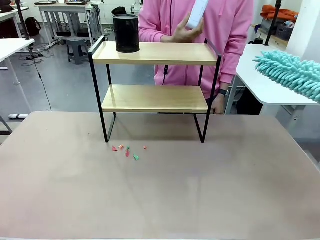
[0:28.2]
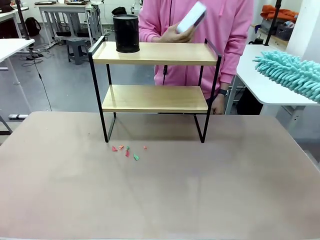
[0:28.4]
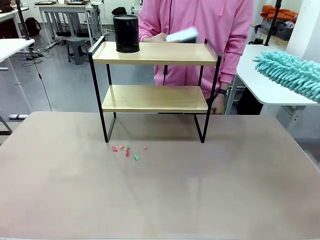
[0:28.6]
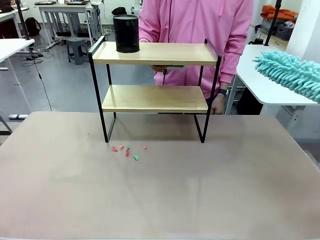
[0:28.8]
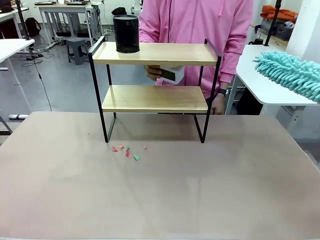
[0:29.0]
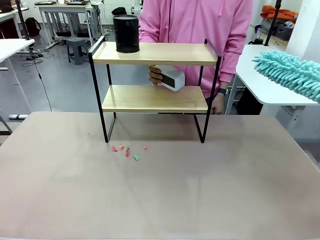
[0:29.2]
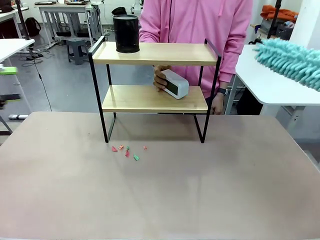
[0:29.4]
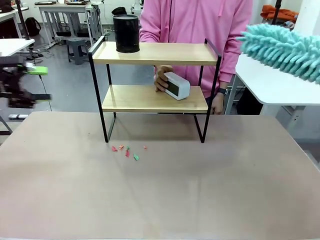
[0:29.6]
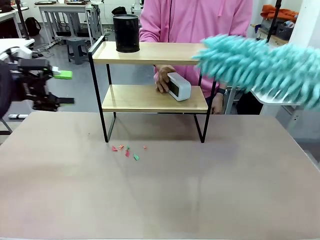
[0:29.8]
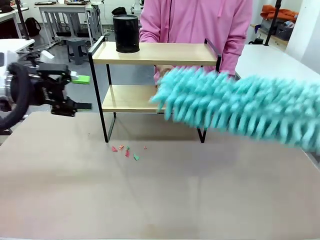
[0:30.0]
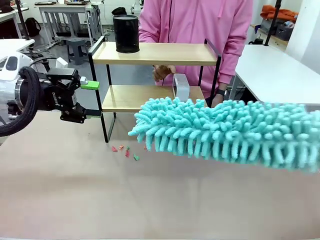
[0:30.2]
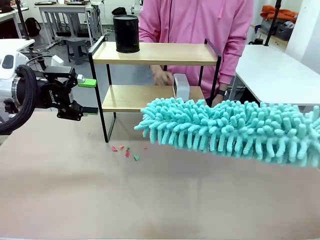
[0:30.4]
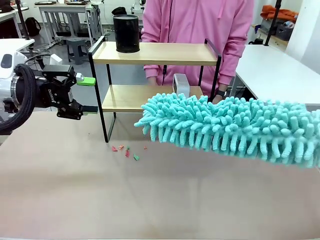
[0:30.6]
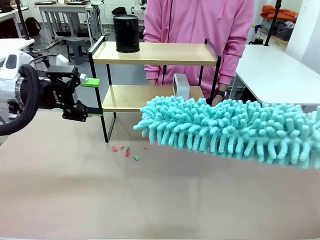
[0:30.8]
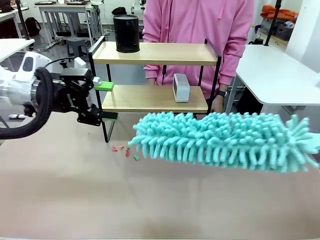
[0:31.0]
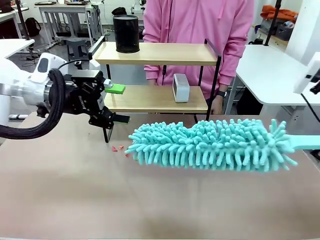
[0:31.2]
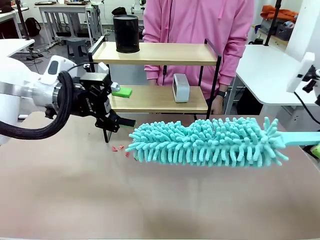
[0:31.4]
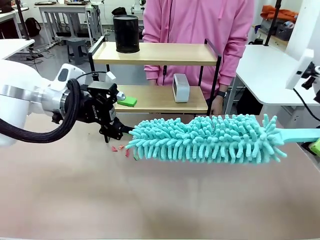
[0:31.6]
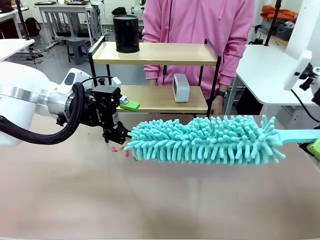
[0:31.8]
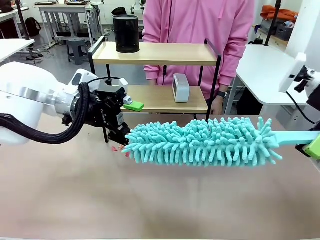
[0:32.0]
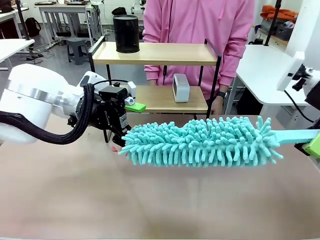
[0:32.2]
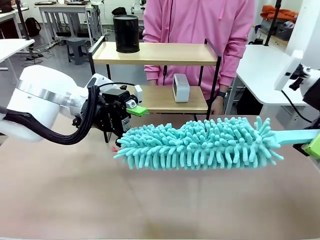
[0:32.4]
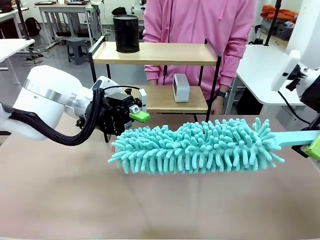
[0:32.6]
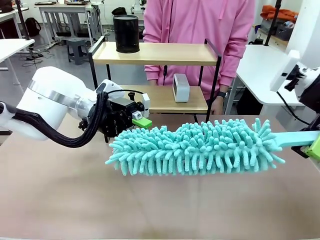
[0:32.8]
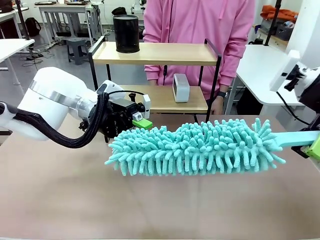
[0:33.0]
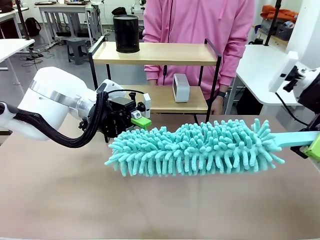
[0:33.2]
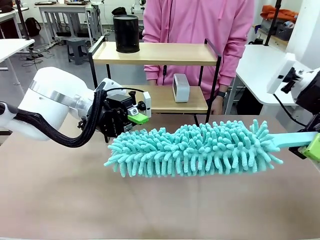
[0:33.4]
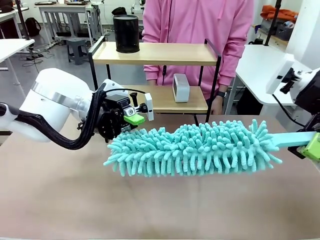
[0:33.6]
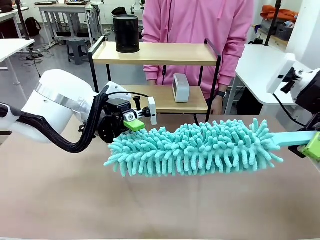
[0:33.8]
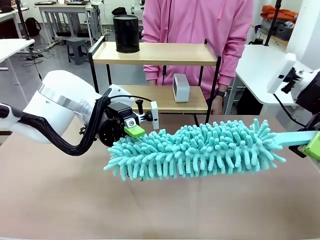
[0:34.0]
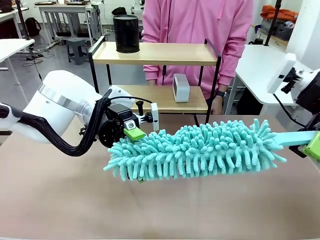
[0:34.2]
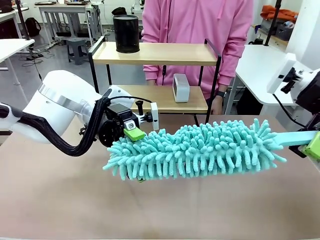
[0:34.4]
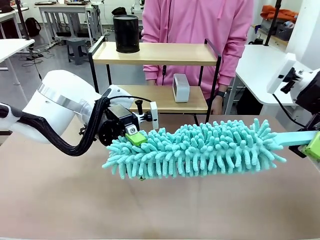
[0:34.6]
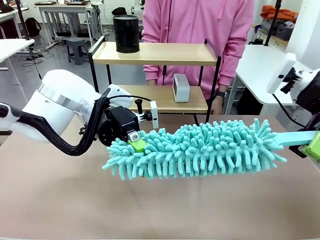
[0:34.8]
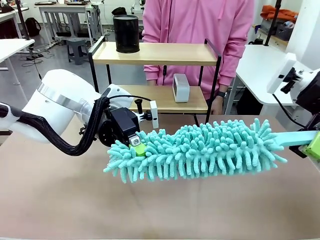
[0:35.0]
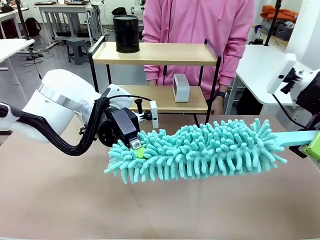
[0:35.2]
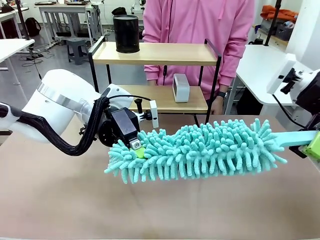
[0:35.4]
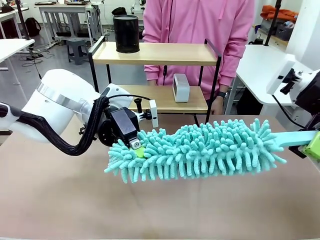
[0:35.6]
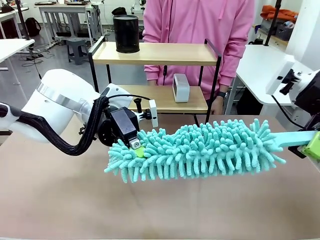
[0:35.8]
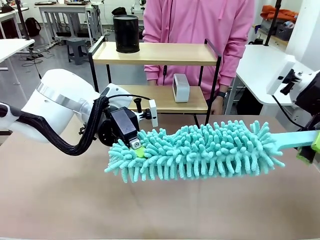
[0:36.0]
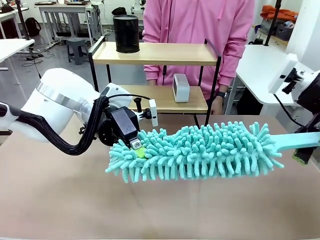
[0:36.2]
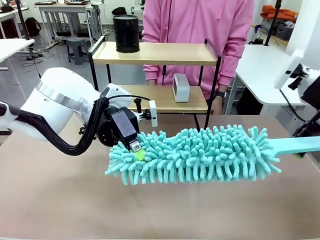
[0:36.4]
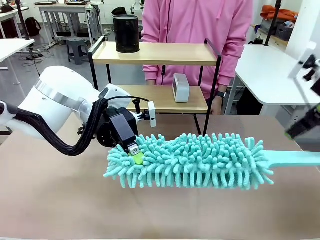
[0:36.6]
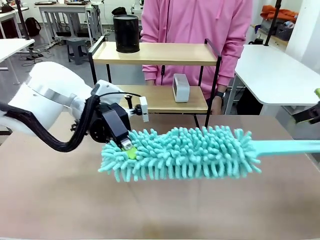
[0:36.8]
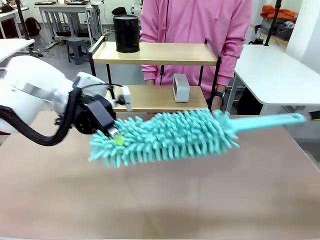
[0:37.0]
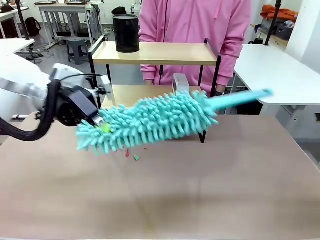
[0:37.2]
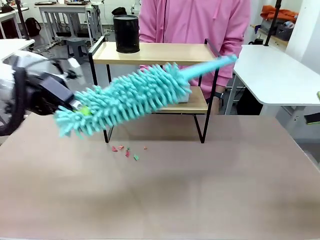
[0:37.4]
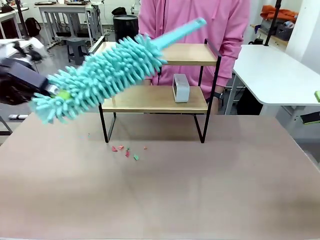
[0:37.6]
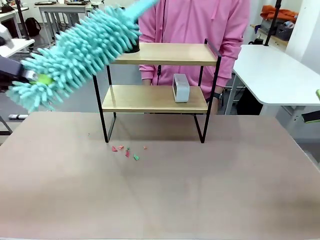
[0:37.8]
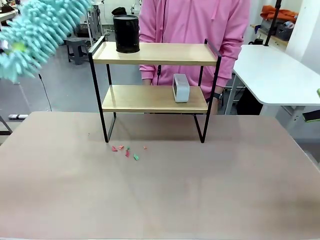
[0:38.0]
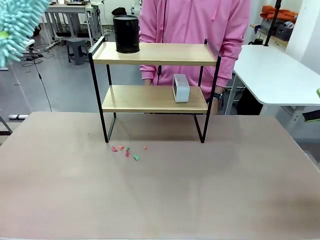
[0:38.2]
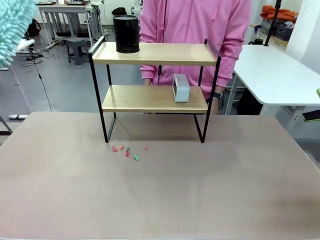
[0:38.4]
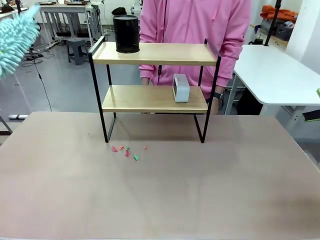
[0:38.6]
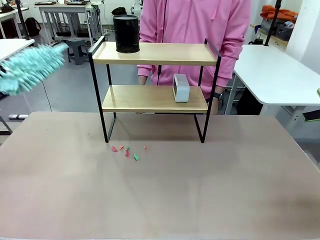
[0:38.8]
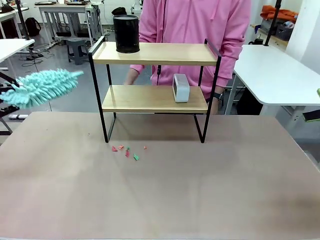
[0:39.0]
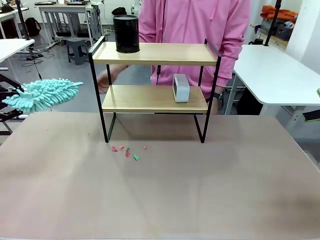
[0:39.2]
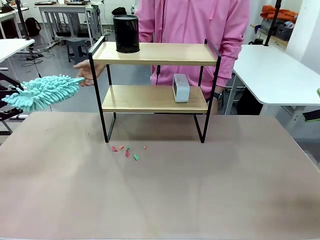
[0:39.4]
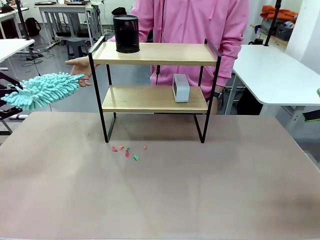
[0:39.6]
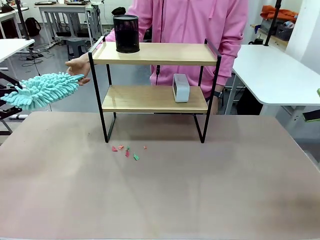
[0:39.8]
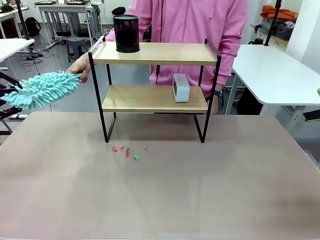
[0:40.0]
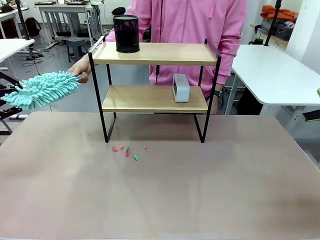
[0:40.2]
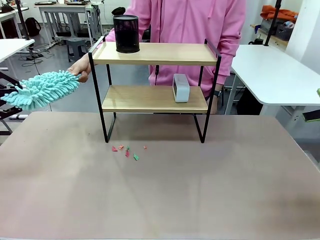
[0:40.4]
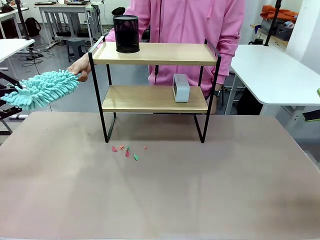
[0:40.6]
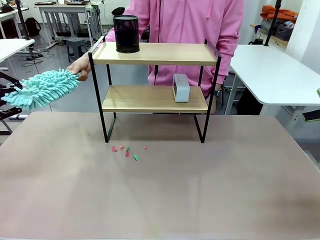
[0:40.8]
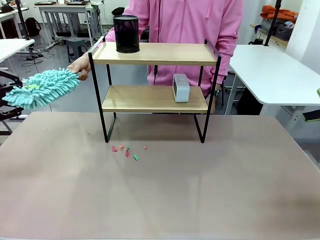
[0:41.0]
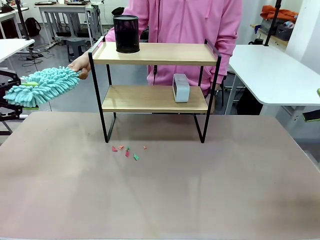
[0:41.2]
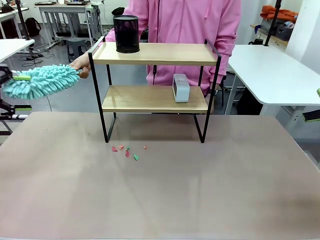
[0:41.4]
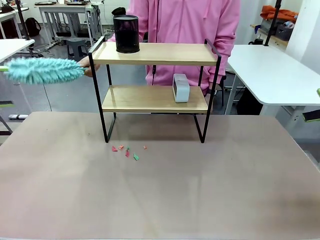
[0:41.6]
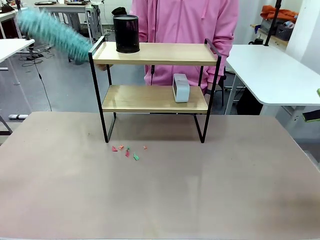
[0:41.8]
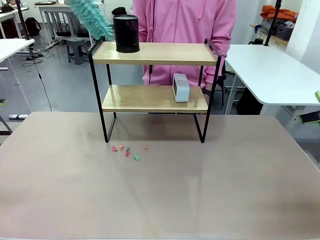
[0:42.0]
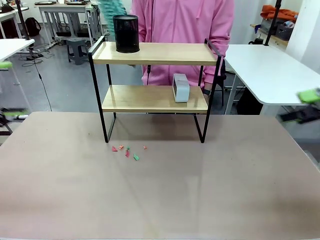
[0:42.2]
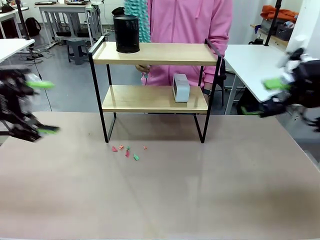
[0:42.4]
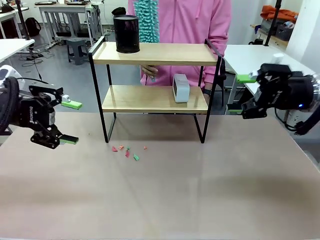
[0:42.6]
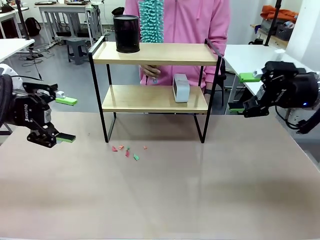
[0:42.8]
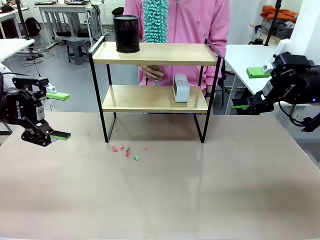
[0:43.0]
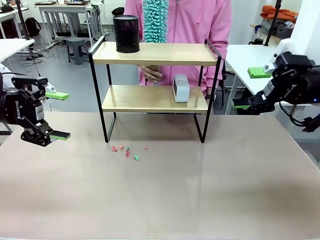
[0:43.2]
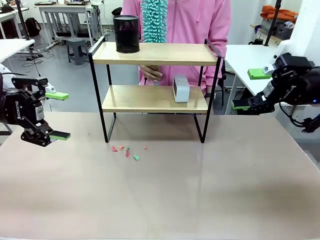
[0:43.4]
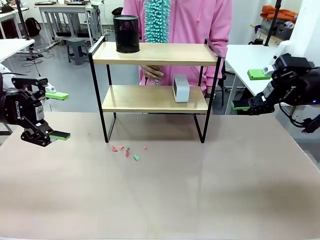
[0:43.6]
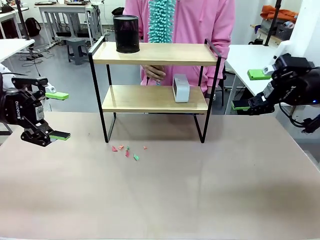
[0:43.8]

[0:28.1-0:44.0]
Task: Clean the shelf.
Robot: Hand the Duster back to the human.
Person: Receive the Duster from the robot.
